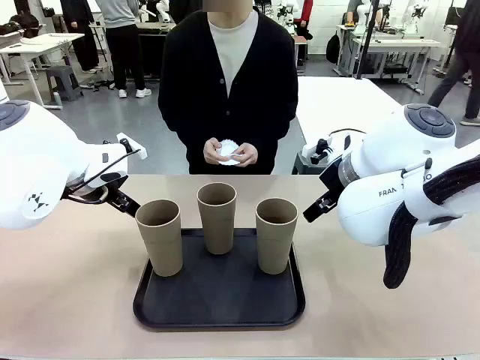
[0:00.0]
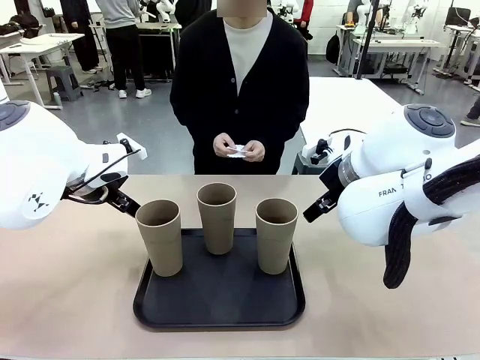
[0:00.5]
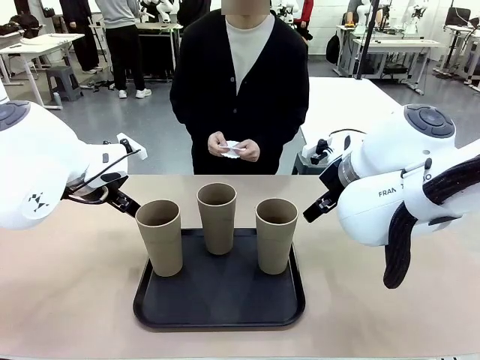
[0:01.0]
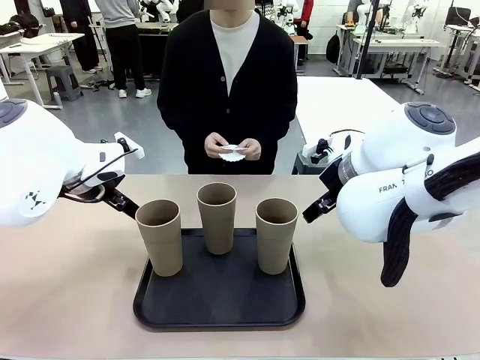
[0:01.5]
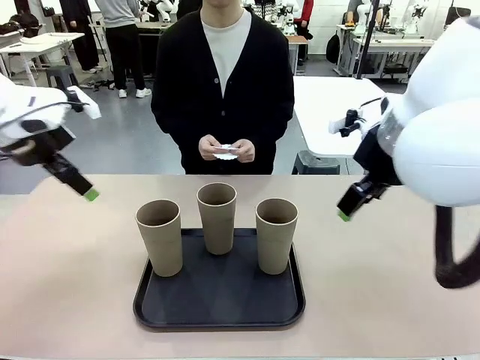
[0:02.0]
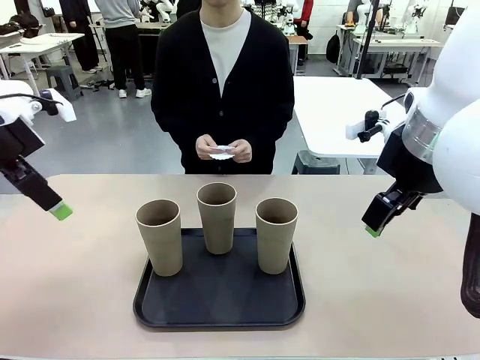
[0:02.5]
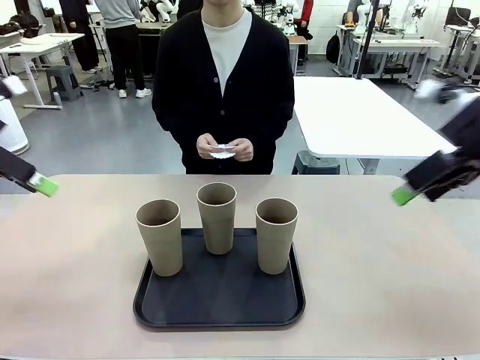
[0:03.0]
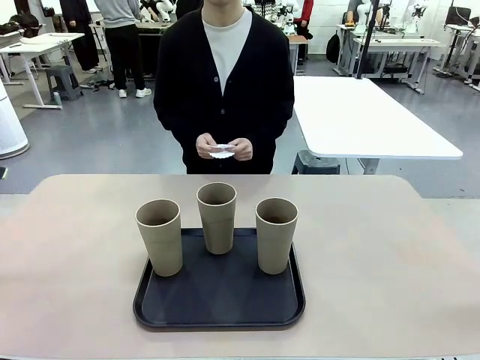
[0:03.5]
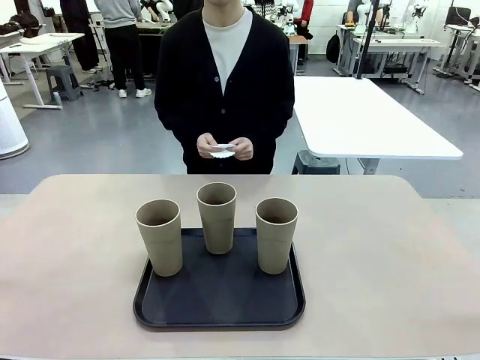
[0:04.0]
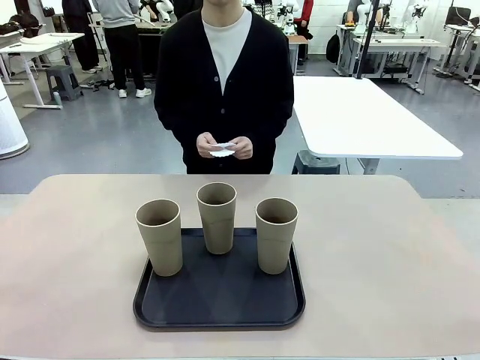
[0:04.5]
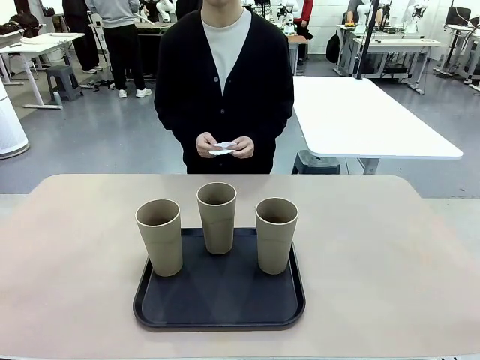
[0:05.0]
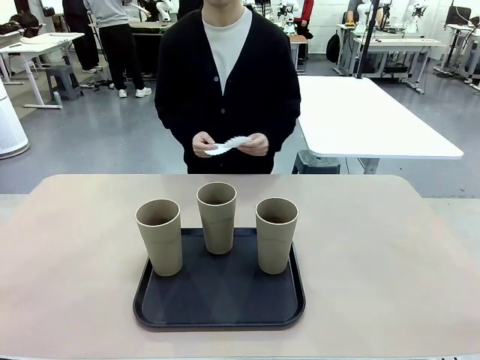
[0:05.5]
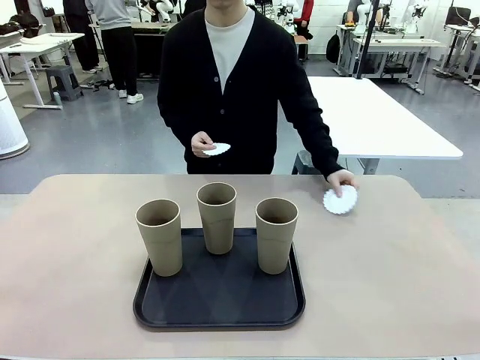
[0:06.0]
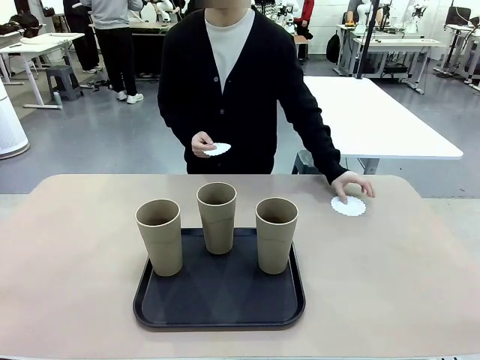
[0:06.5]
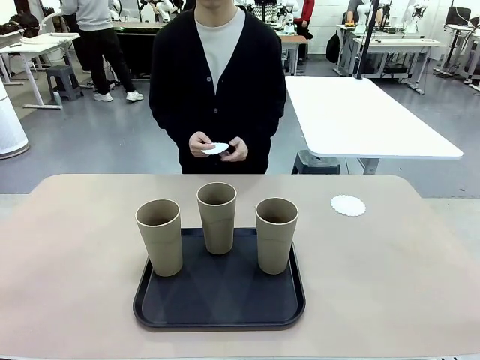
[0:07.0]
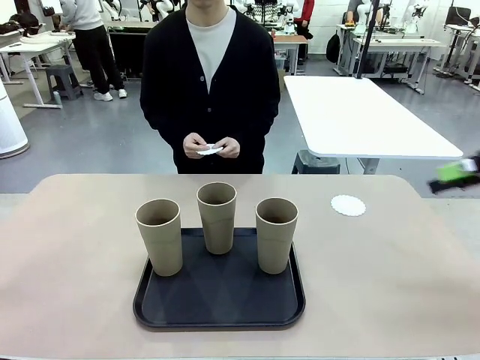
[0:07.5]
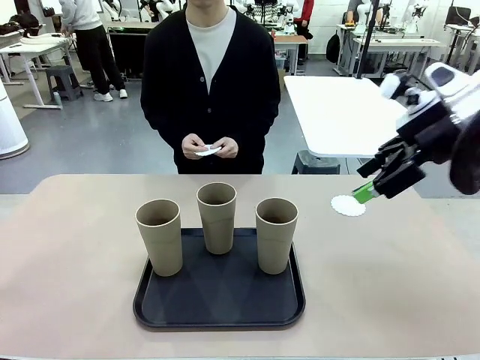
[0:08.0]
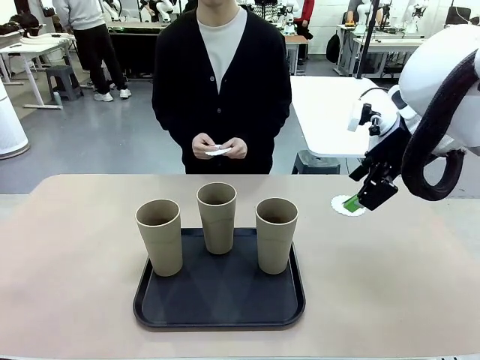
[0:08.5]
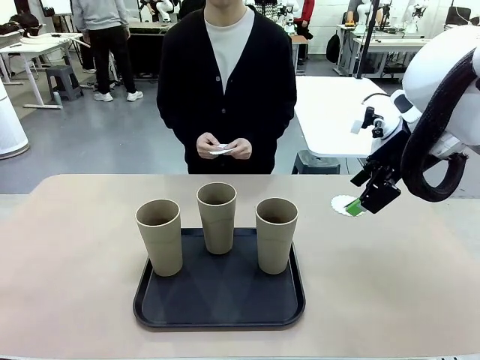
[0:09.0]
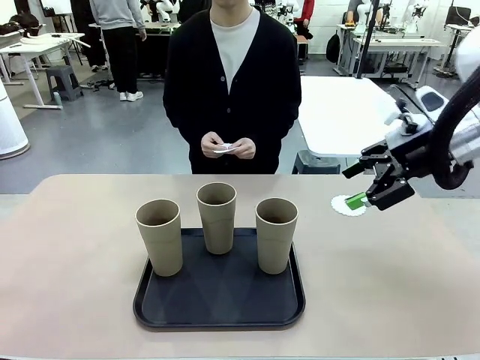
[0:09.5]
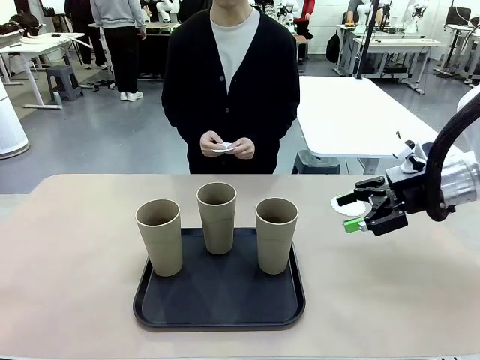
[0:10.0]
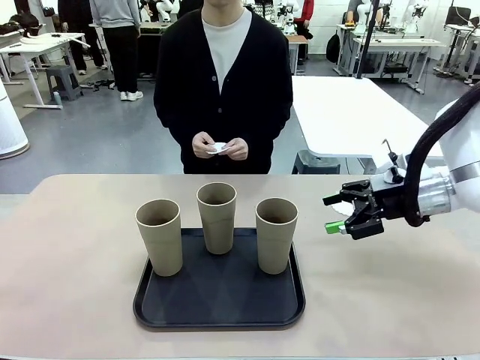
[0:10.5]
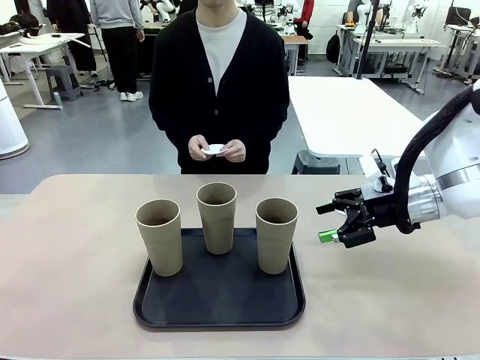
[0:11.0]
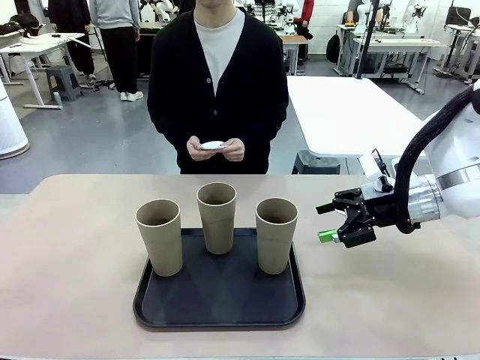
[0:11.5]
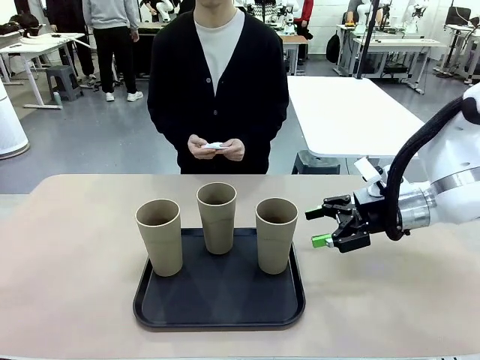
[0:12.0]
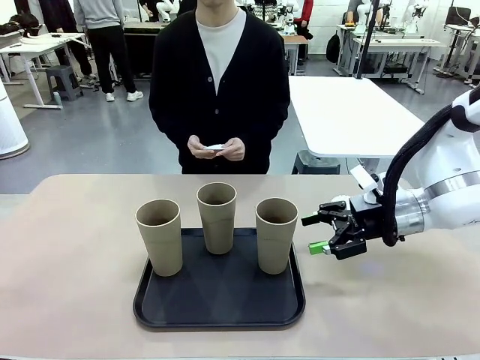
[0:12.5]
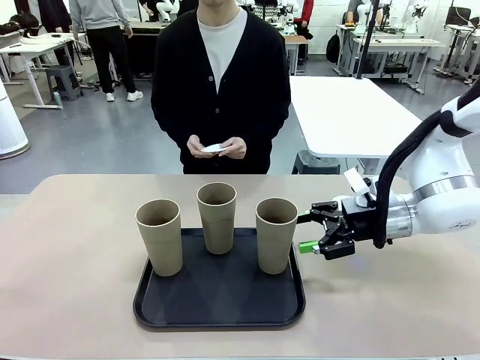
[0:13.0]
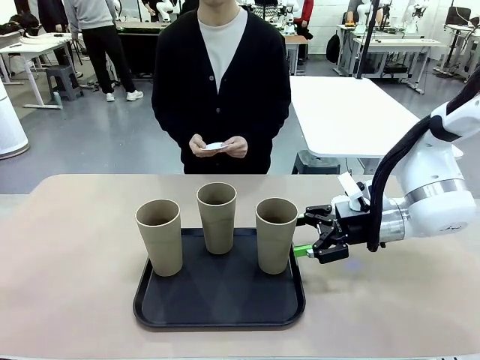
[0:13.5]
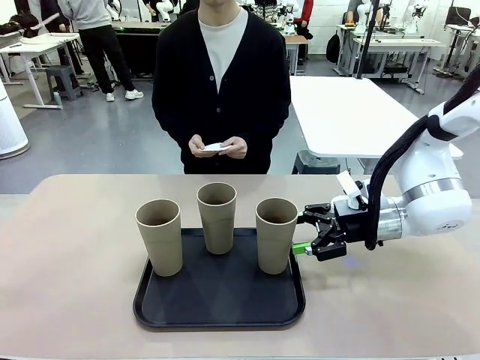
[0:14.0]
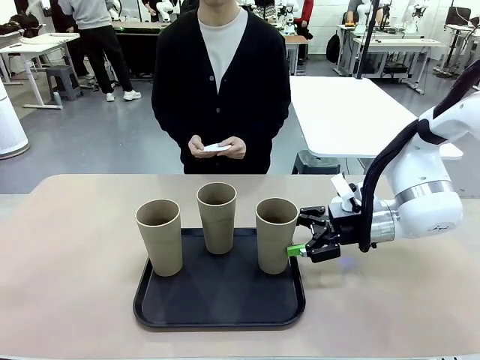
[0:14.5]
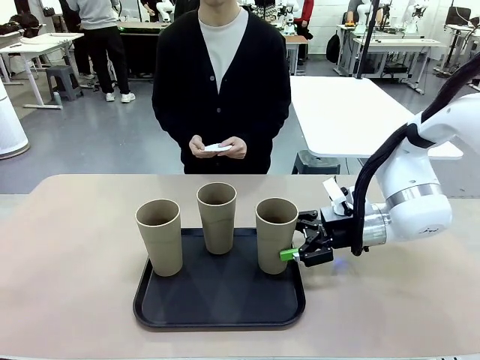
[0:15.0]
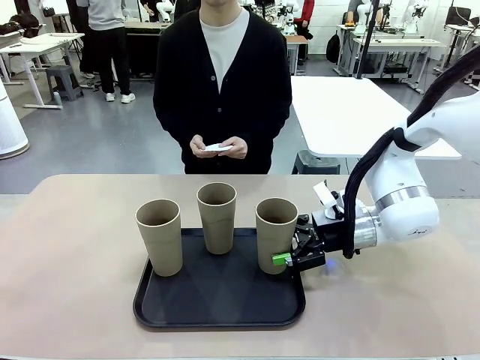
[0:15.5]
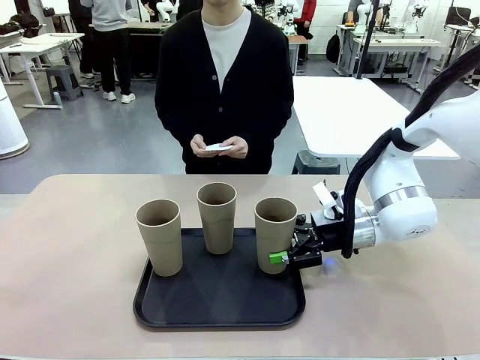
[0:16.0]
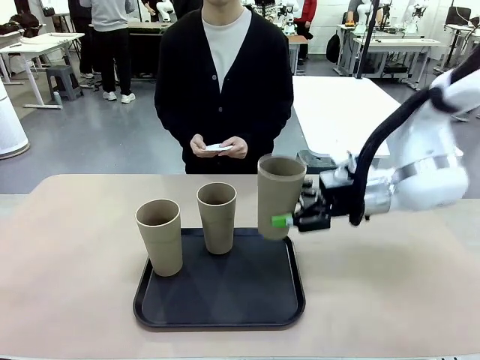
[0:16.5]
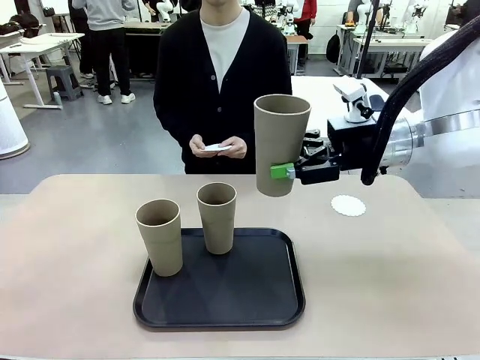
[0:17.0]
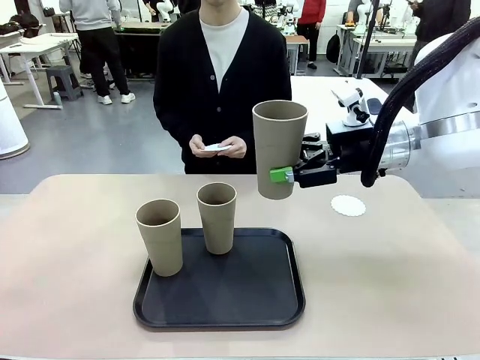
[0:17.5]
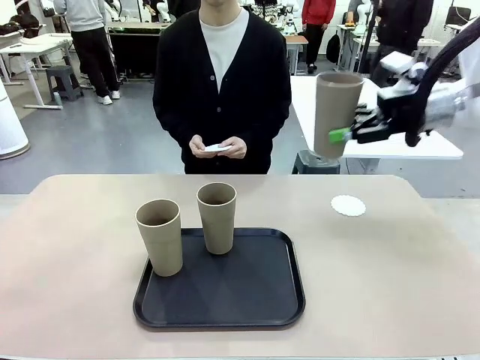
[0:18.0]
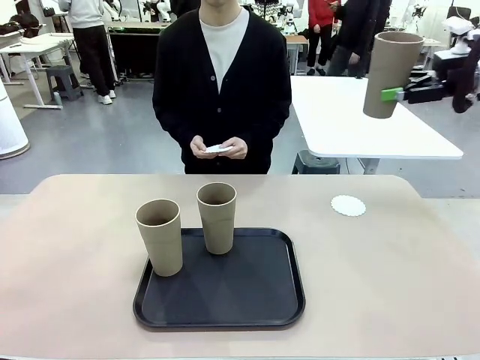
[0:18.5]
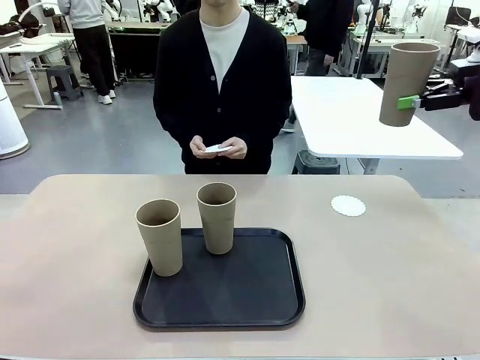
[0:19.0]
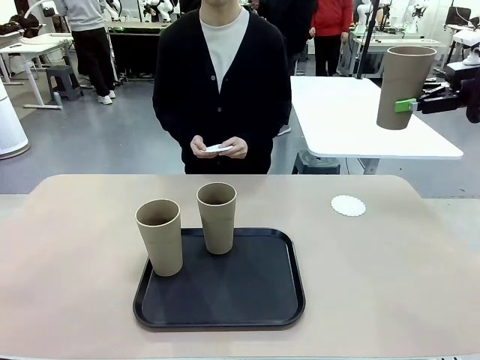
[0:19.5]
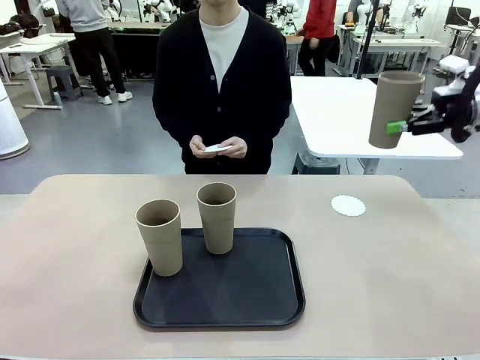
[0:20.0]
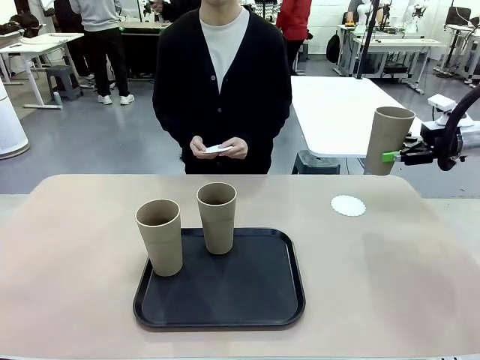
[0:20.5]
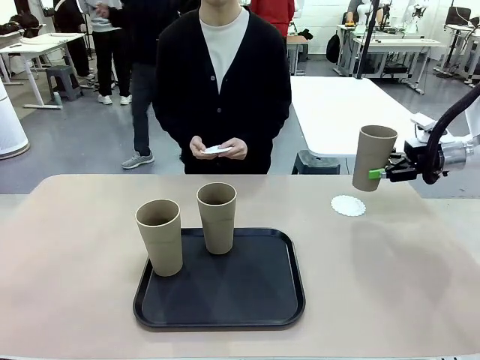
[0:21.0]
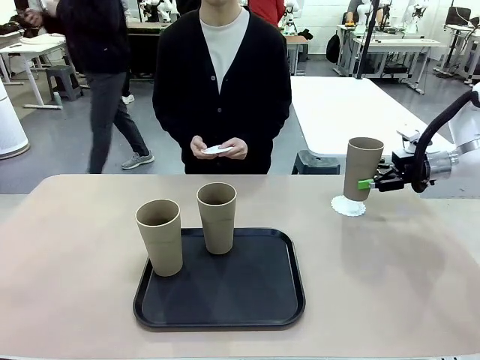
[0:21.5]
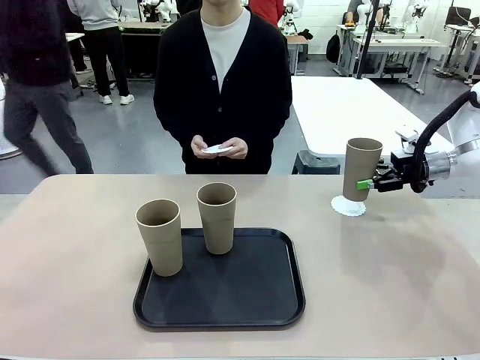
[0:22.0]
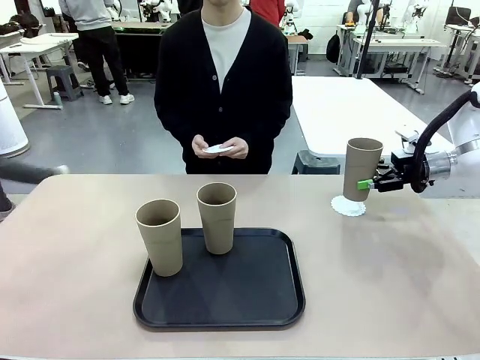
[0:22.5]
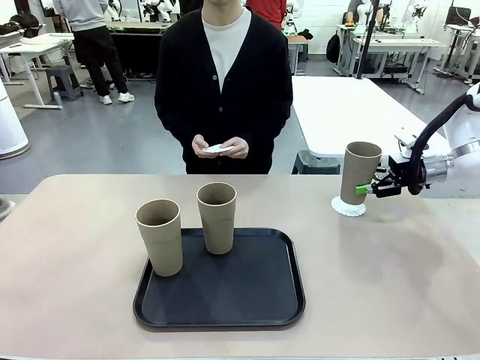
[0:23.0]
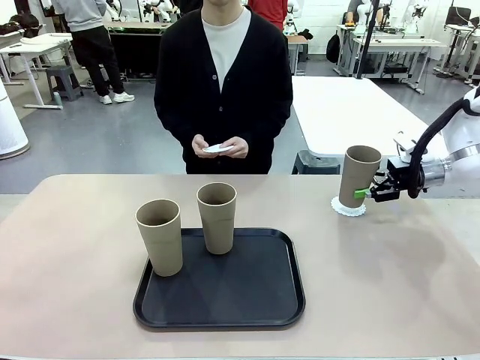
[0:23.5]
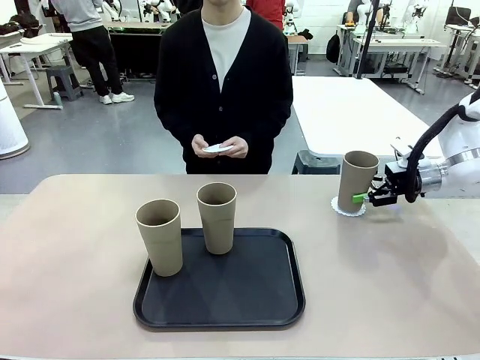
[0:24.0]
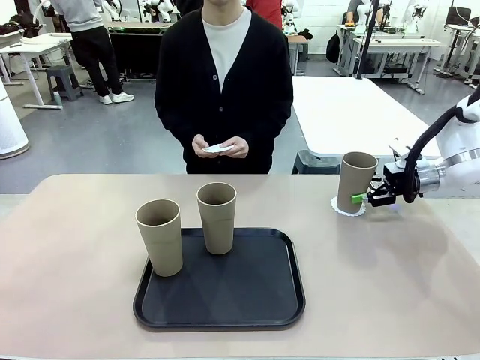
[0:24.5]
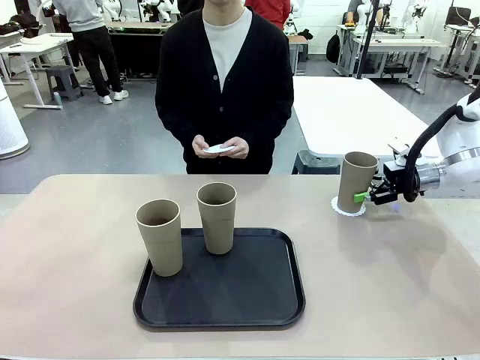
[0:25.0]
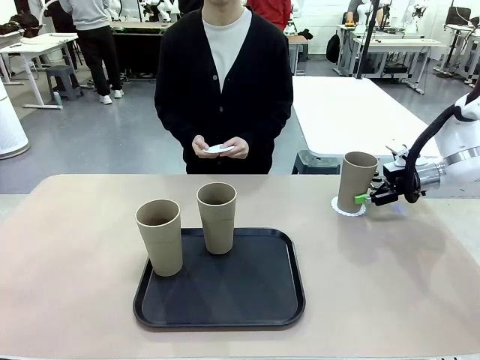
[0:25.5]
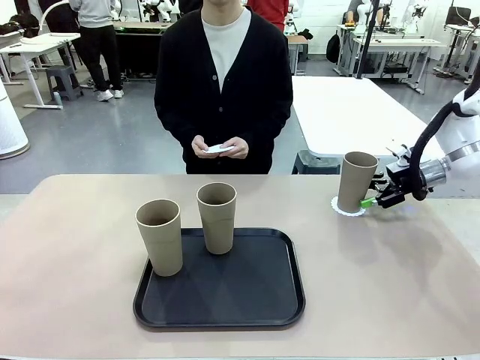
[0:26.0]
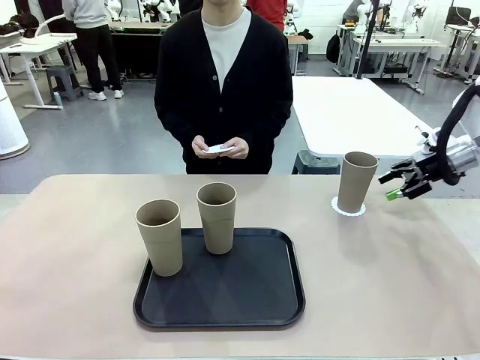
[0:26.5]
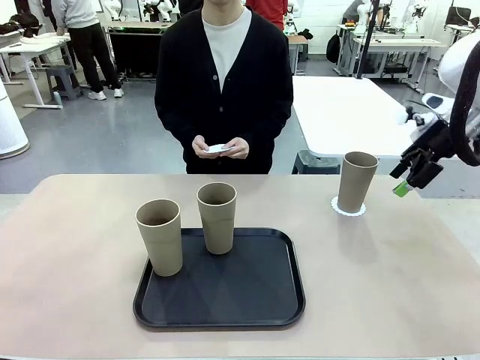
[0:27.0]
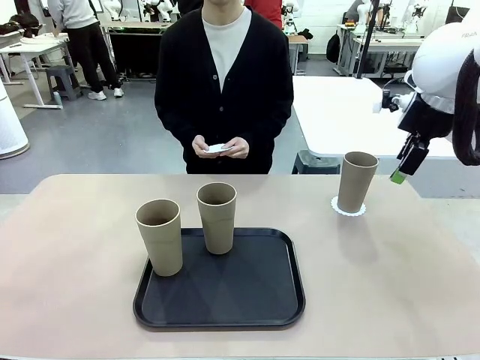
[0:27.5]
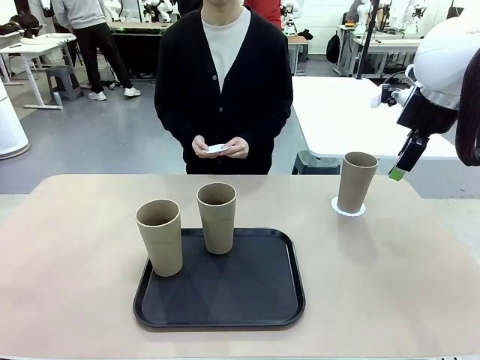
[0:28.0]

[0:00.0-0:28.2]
Task: Place coasters on the table and set cups on them.
Robot: Pick up one Reusable plastic cup and place it on a coaster set by the human.
Person: Place one coaster in any one of the three lower areas of the robot table (left, center, or right). Place one coaster in one of the two areas excluding the previously selected area.
